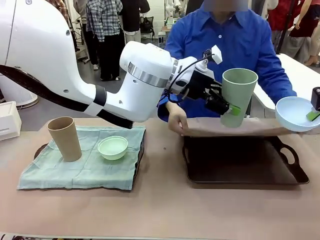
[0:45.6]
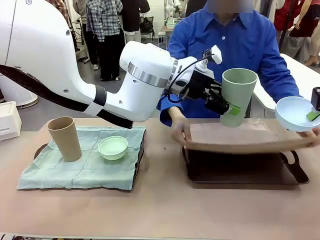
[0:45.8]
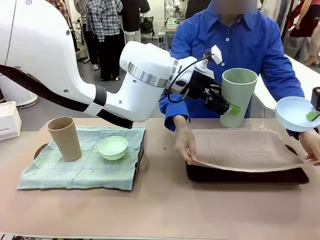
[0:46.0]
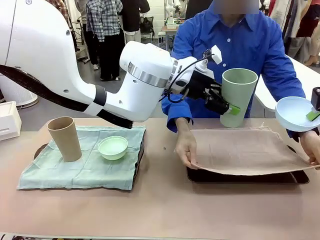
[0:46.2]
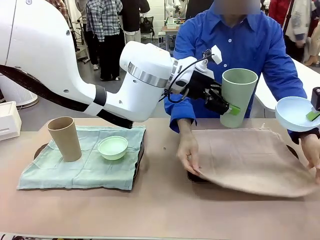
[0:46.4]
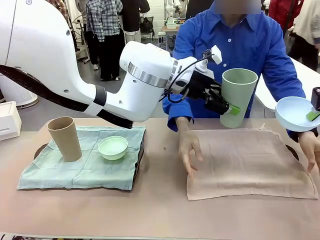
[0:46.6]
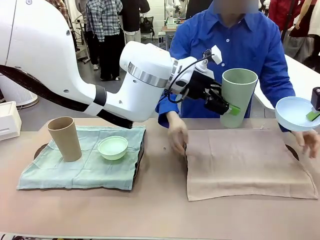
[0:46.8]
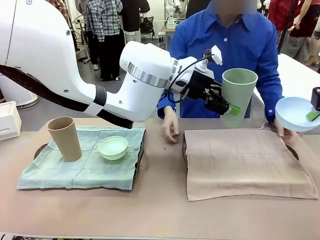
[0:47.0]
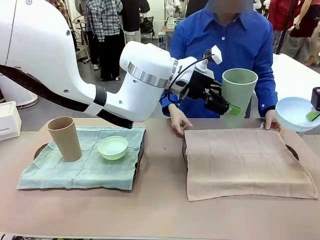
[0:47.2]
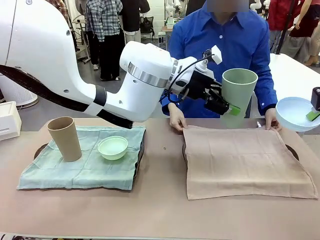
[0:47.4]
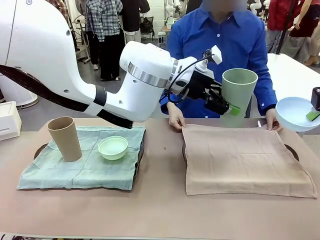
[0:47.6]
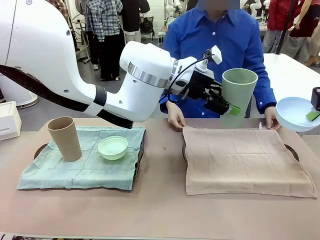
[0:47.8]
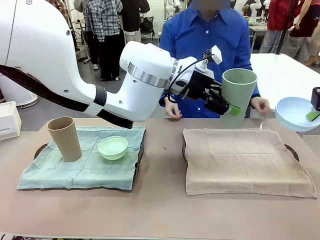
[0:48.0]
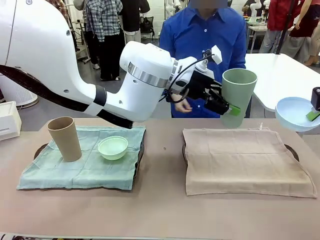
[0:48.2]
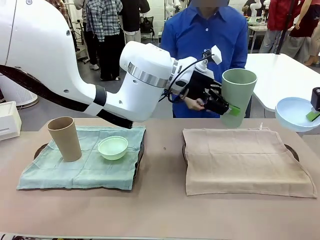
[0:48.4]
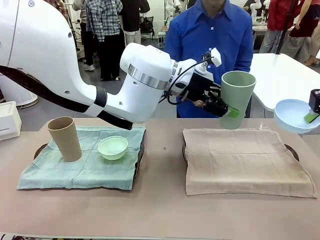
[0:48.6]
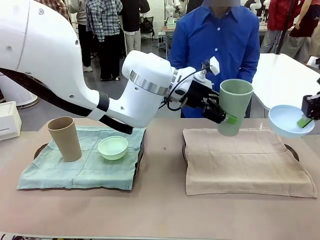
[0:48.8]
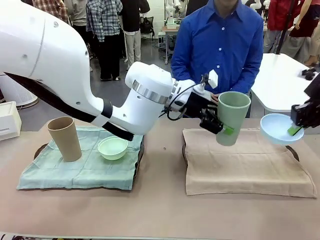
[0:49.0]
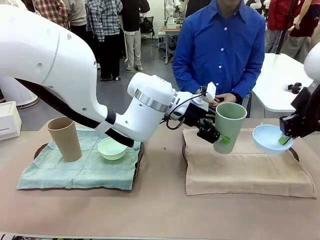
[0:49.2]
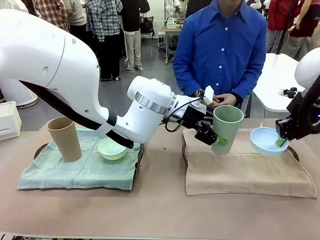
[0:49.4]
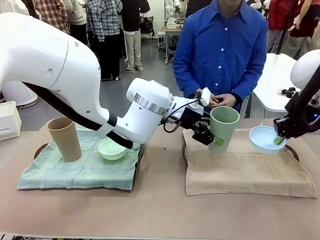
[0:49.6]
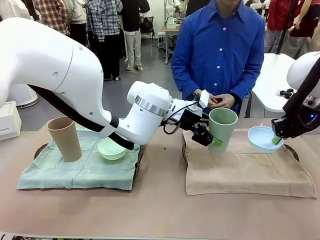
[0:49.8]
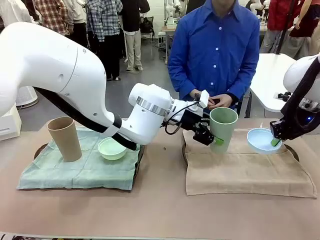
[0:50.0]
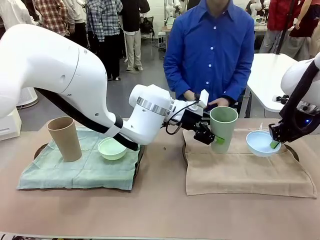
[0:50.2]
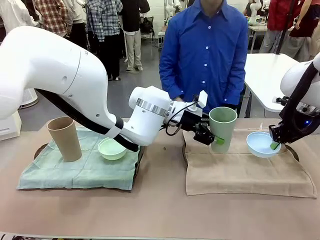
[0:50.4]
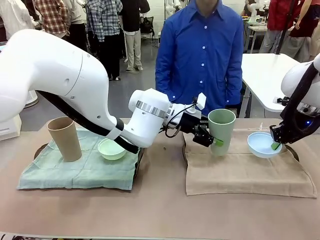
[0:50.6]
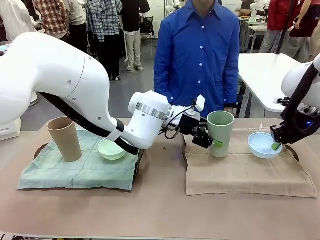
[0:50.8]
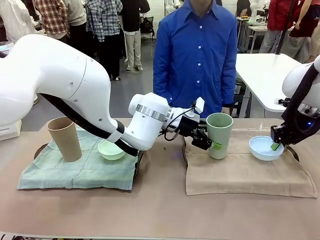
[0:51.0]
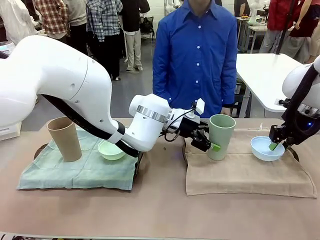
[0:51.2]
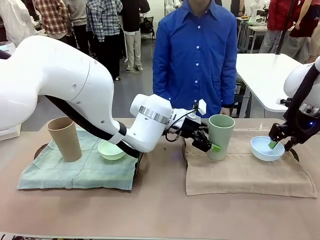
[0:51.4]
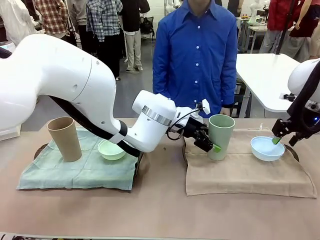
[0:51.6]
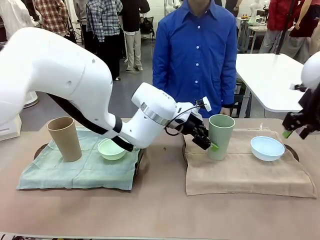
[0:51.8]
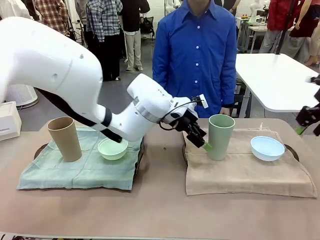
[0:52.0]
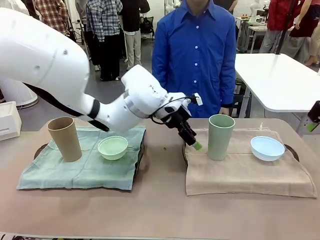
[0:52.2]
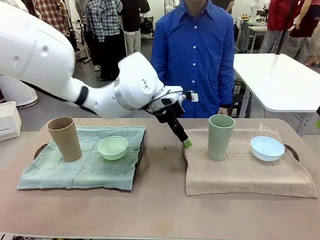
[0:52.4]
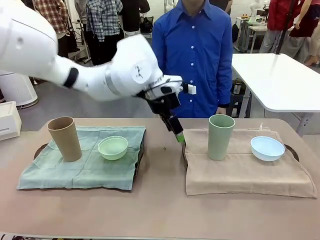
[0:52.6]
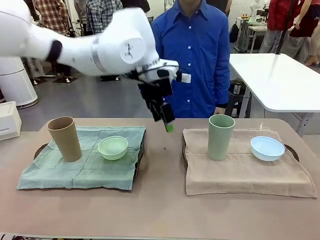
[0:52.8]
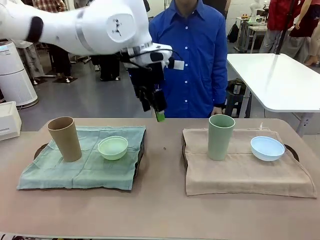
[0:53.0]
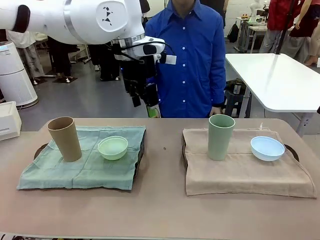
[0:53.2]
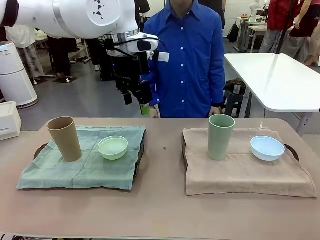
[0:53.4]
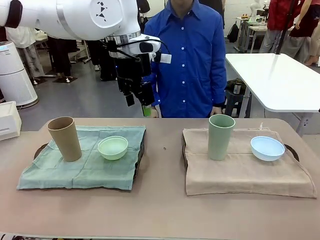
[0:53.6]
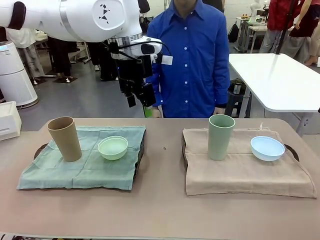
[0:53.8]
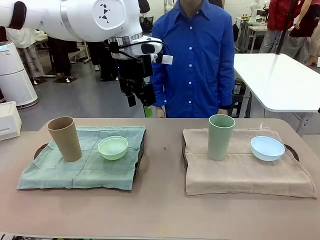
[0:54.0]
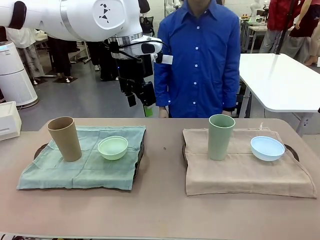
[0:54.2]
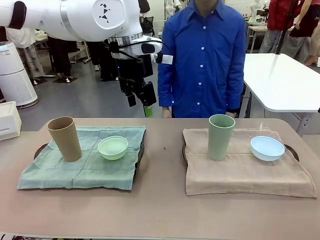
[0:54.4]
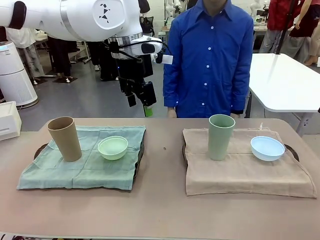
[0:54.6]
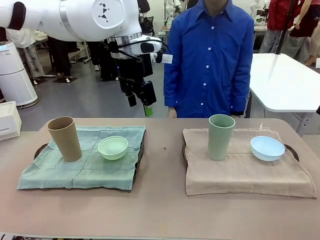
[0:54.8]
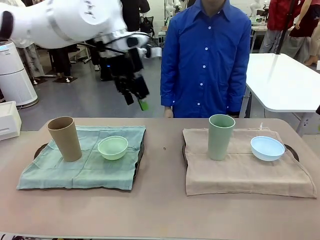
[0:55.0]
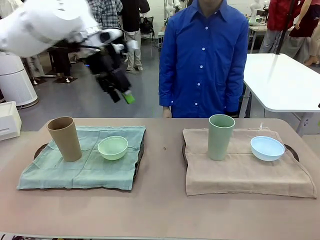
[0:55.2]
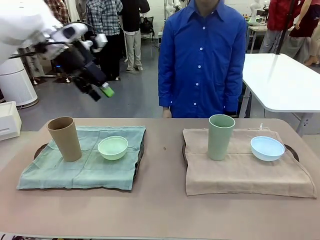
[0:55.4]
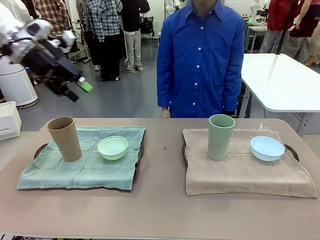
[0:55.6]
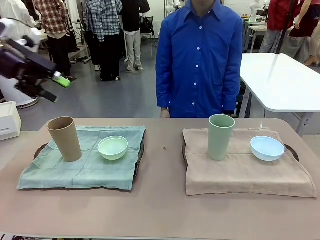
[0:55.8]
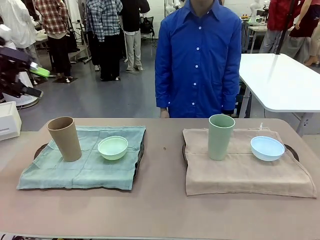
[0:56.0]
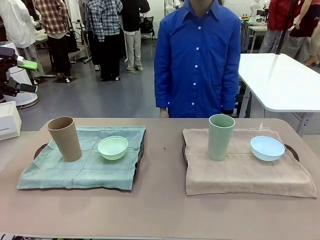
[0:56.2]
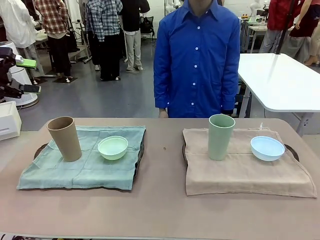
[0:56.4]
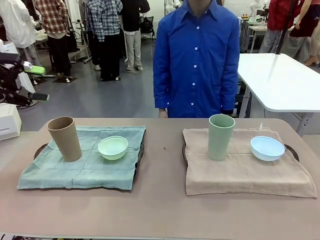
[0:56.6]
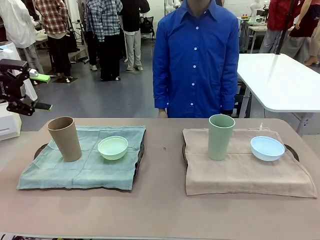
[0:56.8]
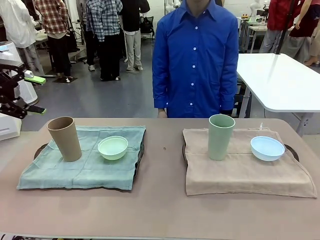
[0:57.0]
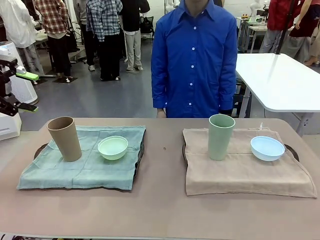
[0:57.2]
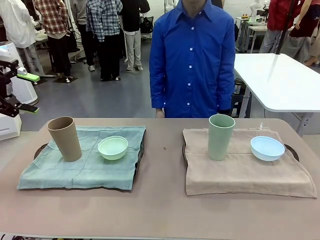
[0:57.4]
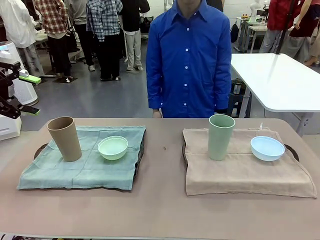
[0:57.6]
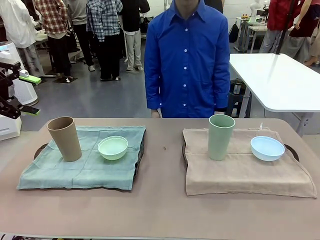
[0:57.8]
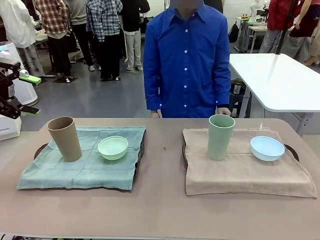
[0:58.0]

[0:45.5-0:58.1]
Robot: Place the Picnic Bowl and Reusable plastic cup back onto the Handle tray in front of the human's position.

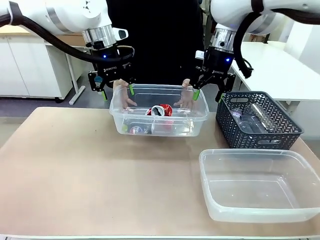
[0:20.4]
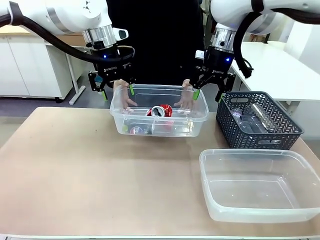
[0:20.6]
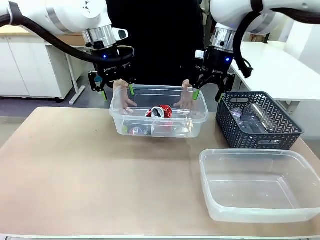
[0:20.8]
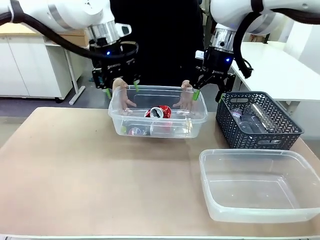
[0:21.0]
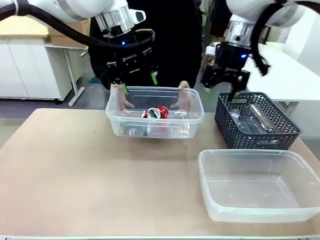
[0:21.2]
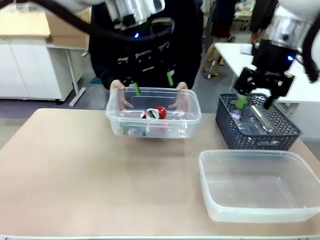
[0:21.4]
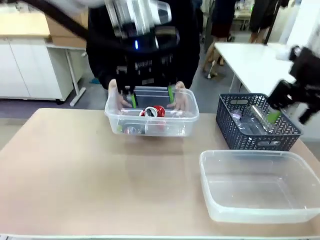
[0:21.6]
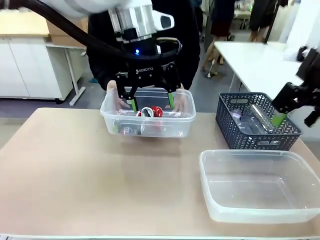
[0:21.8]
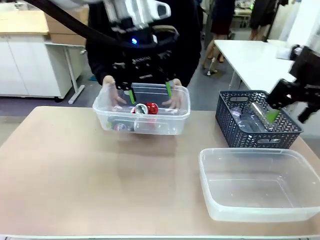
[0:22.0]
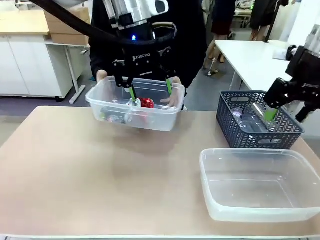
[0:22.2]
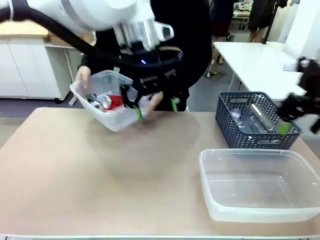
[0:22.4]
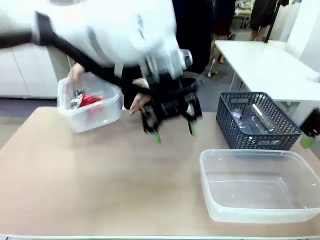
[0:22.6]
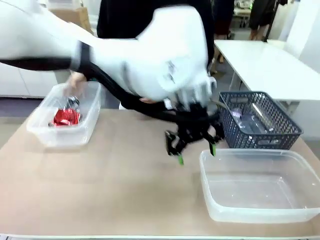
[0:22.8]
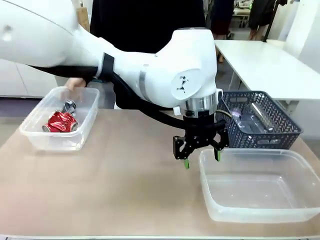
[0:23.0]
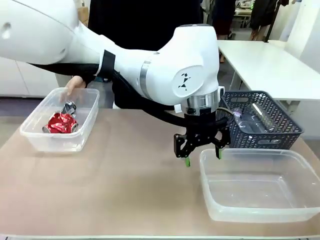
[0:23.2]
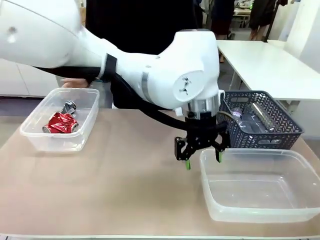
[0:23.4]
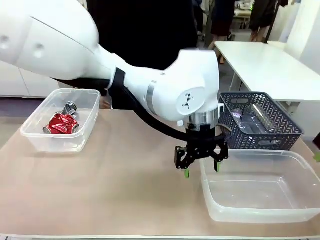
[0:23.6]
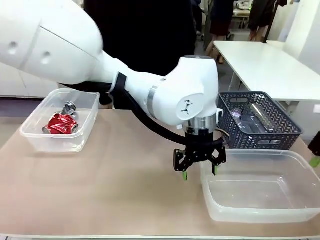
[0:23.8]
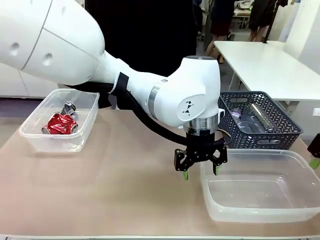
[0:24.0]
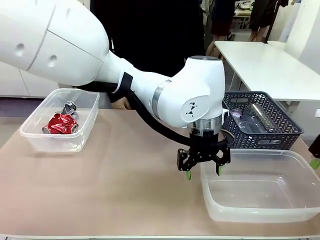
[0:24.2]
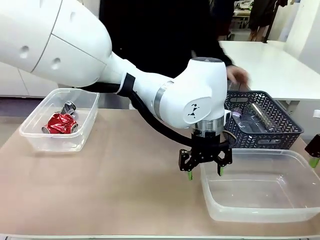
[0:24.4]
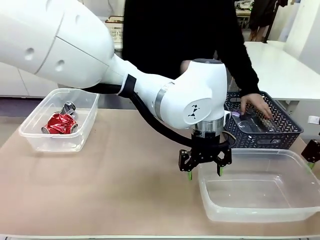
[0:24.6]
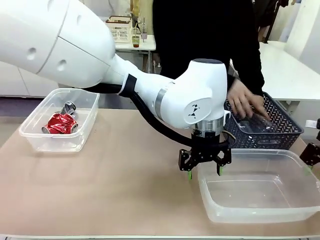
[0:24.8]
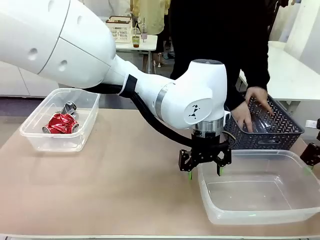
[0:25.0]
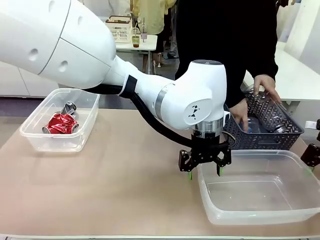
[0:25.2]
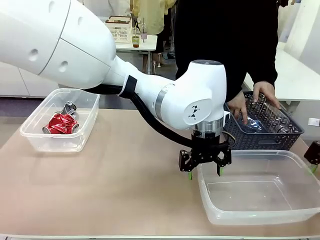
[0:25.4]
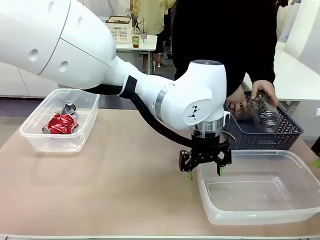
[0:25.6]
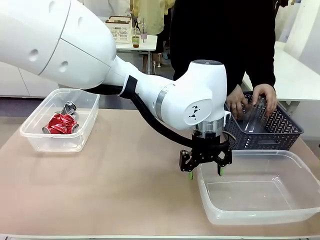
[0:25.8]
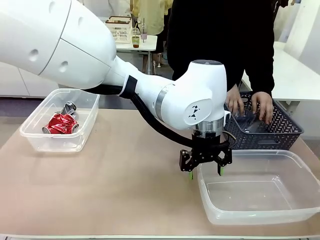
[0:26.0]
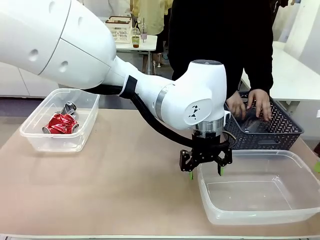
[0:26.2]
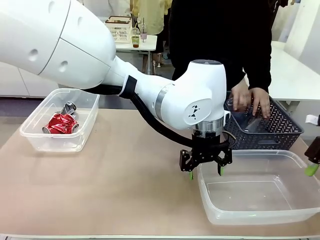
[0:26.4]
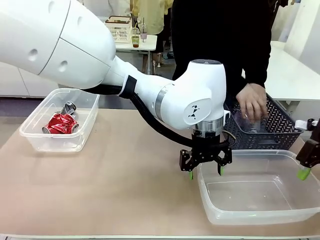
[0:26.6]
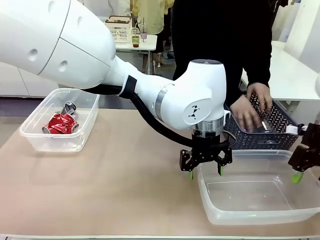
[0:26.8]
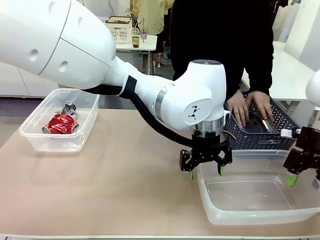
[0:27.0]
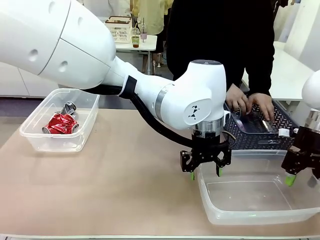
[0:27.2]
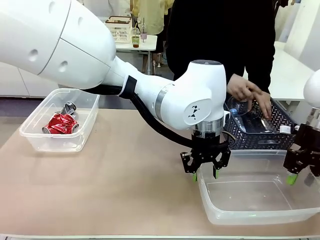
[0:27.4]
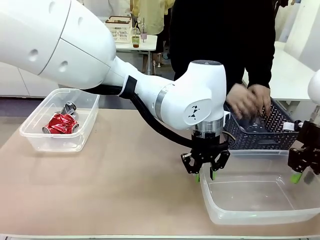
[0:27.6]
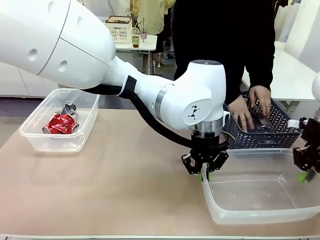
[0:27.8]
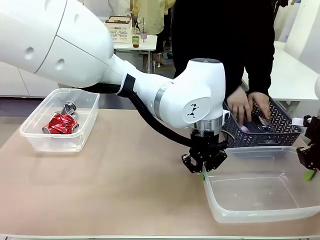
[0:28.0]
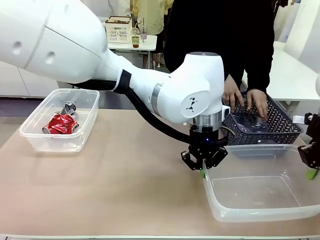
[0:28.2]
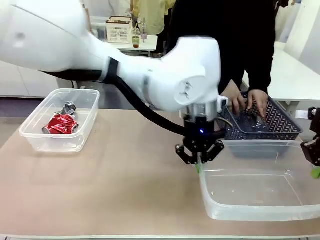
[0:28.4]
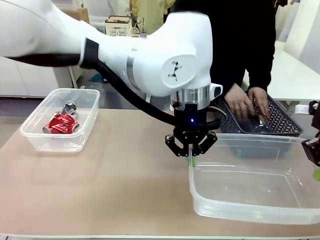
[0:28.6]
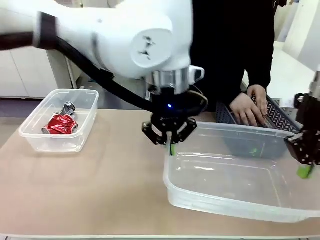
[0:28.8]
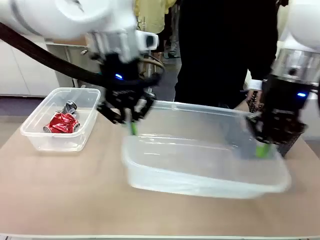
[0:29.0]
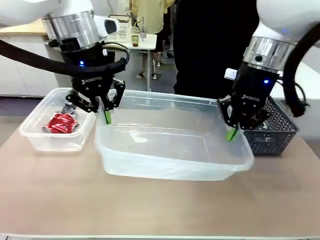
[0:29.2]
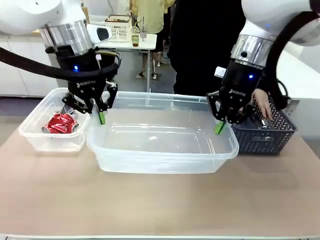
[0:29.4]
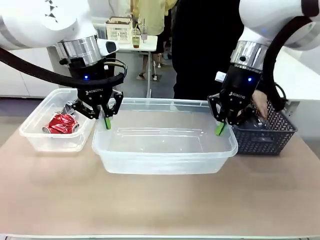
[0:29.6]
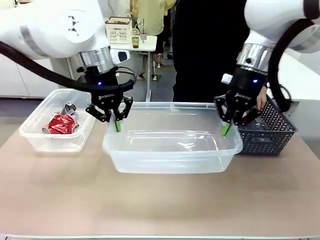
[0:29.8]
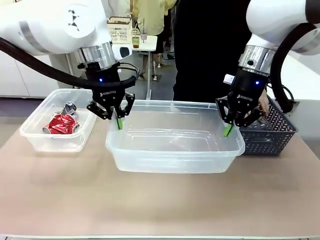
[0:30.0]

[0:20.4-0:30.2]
Robot: Pick up the Organizing box on the right side of the table and lift it.
Person: Place it at the edge of the bottom right area of the robot table. Pick up plastic waste one by one and place it into the organizing box lifted by the robot.
